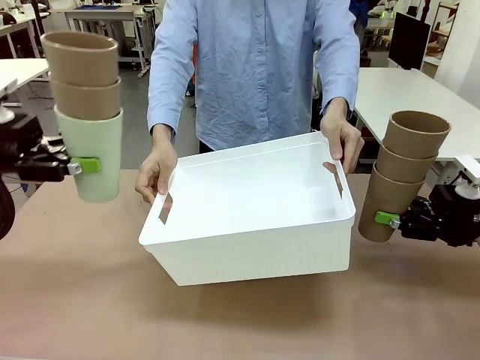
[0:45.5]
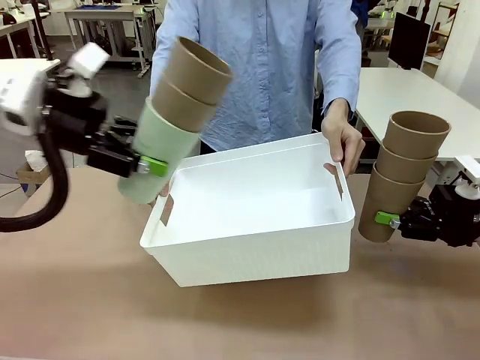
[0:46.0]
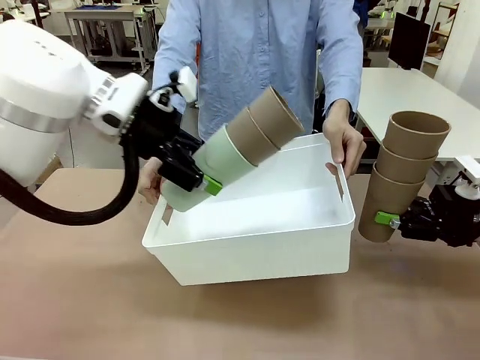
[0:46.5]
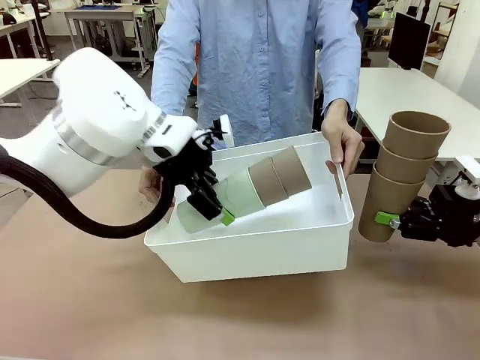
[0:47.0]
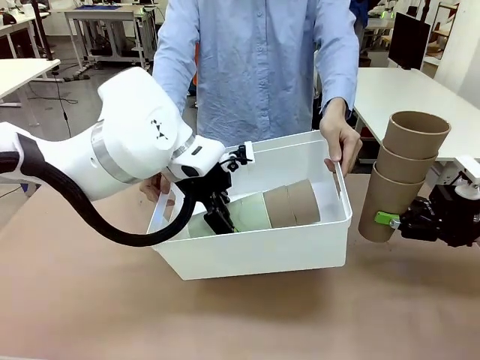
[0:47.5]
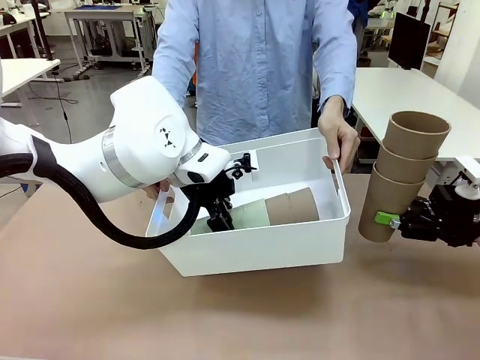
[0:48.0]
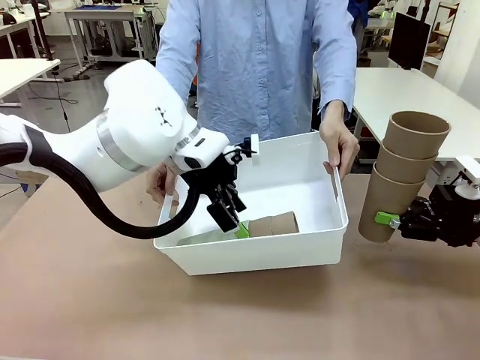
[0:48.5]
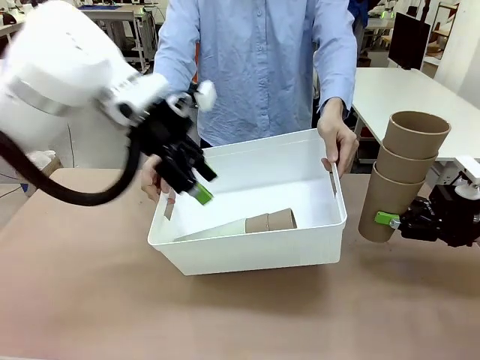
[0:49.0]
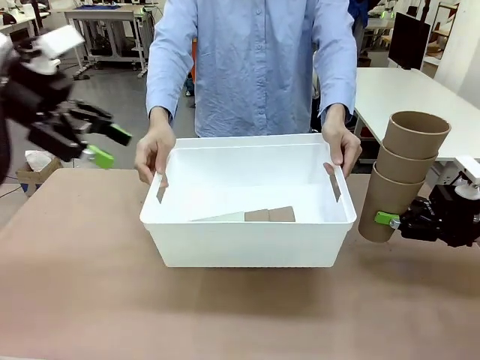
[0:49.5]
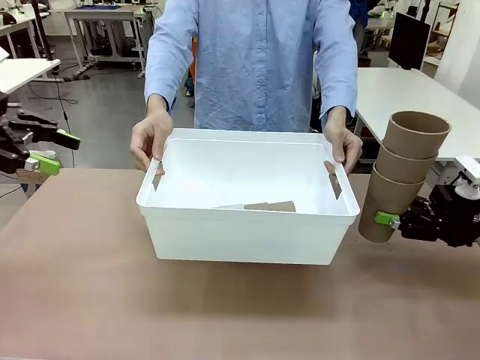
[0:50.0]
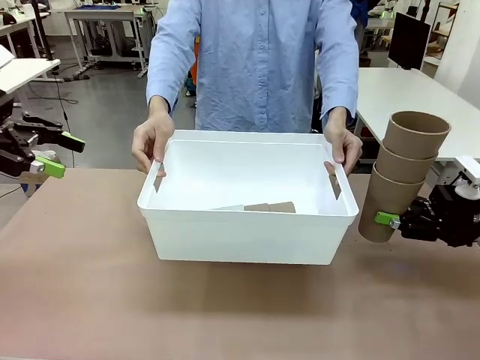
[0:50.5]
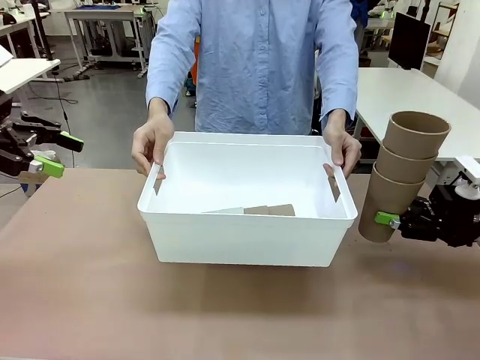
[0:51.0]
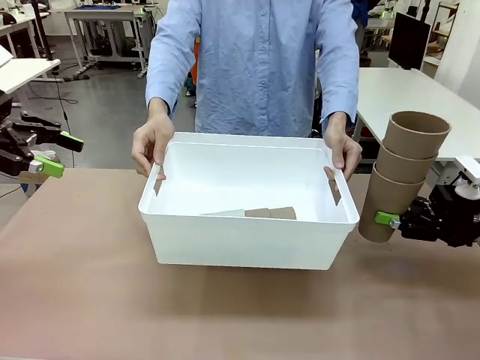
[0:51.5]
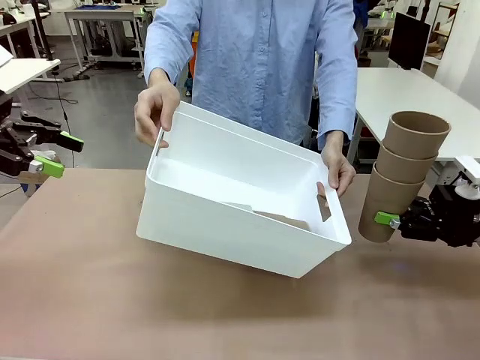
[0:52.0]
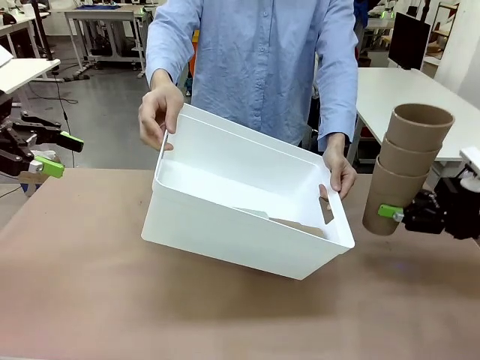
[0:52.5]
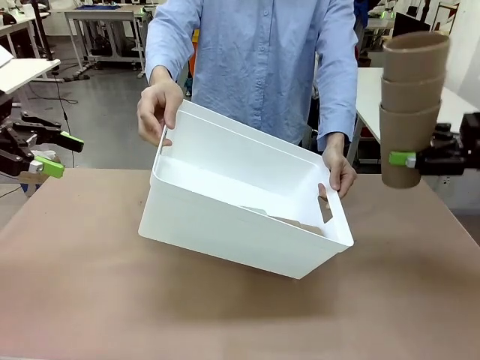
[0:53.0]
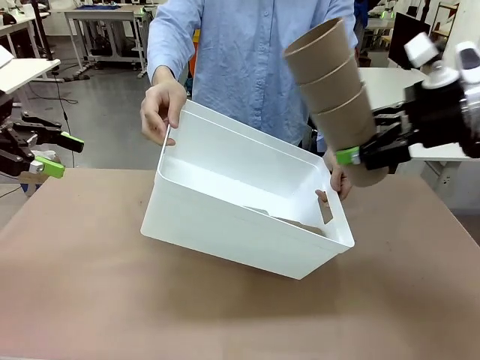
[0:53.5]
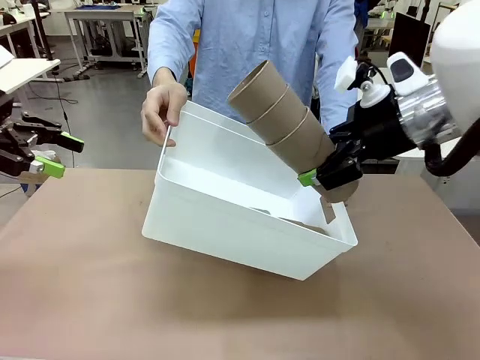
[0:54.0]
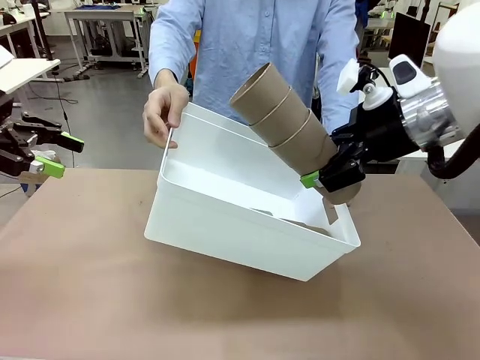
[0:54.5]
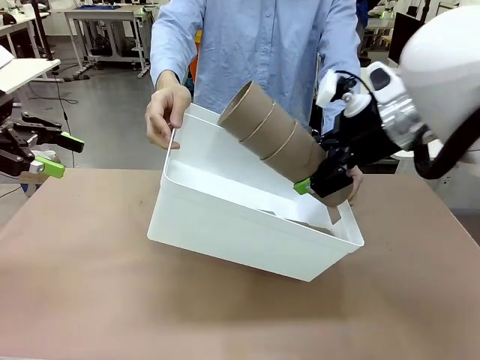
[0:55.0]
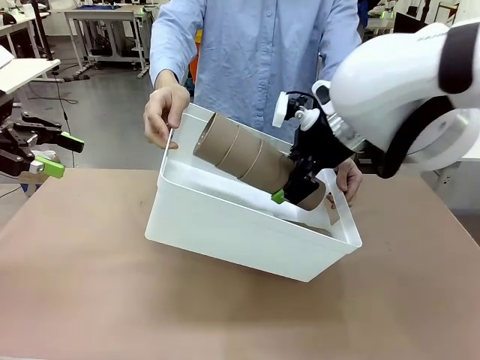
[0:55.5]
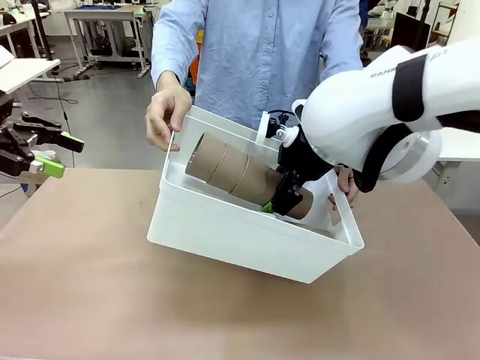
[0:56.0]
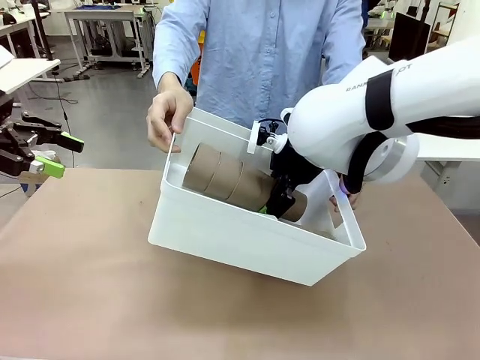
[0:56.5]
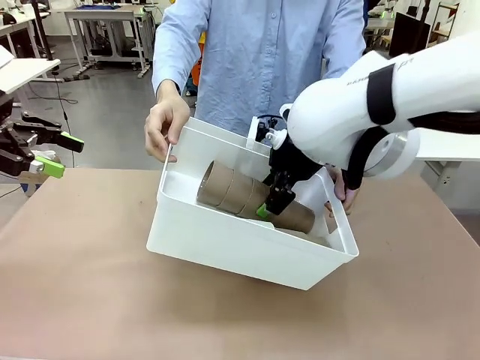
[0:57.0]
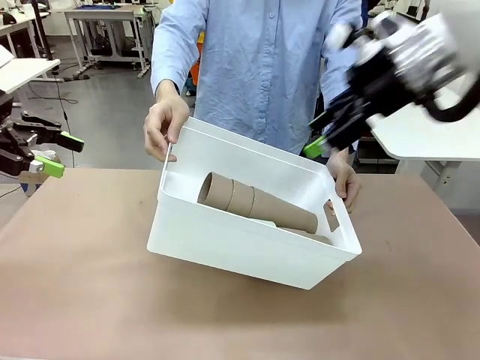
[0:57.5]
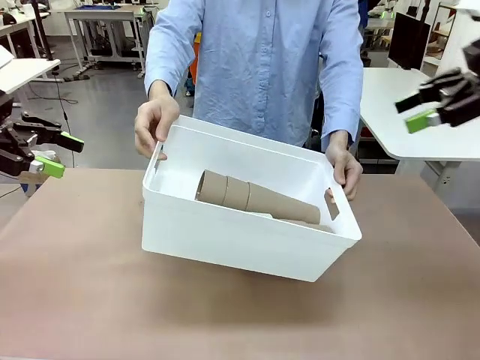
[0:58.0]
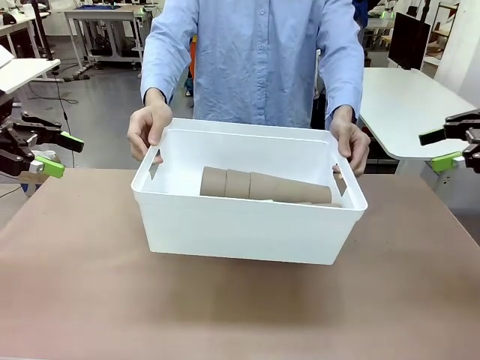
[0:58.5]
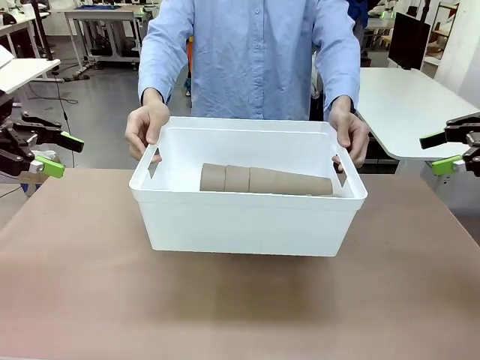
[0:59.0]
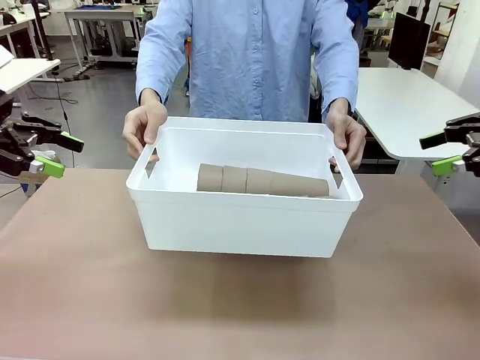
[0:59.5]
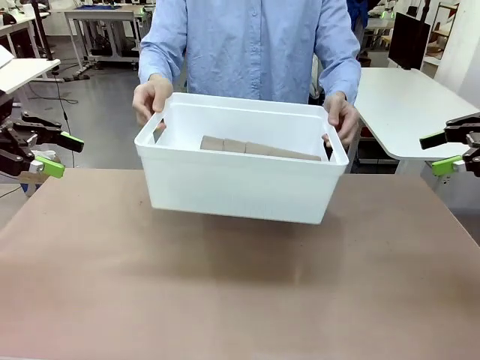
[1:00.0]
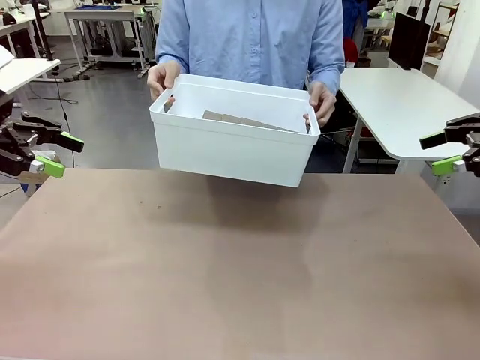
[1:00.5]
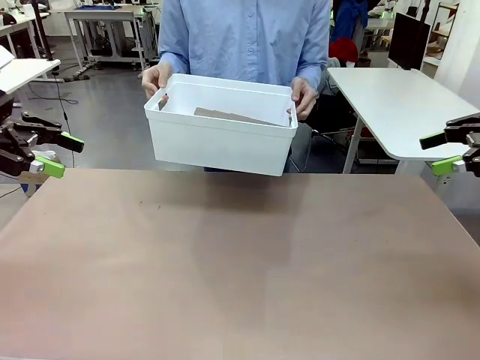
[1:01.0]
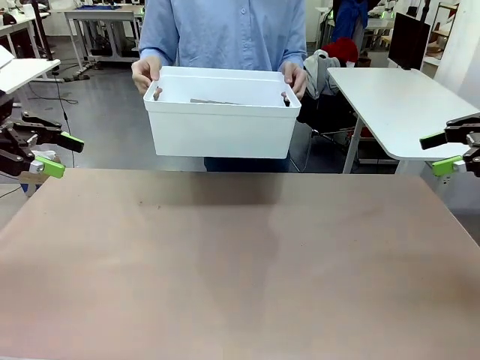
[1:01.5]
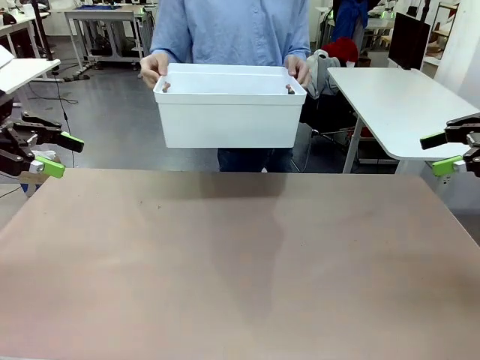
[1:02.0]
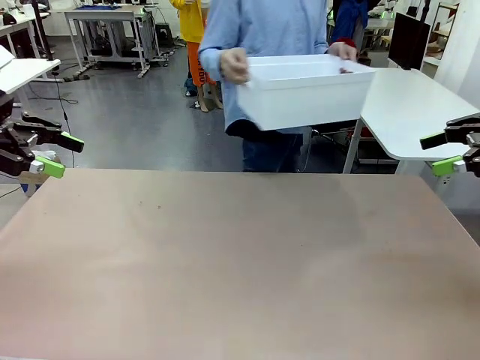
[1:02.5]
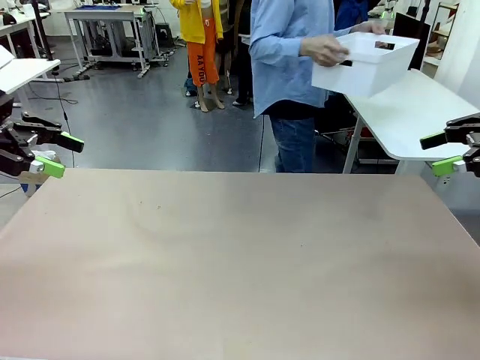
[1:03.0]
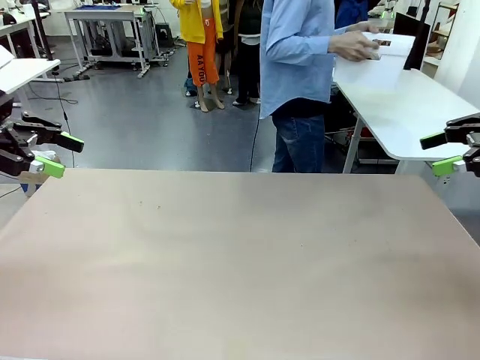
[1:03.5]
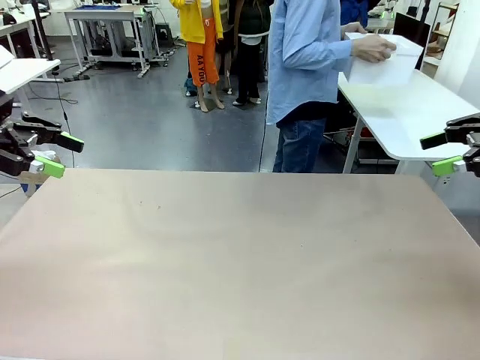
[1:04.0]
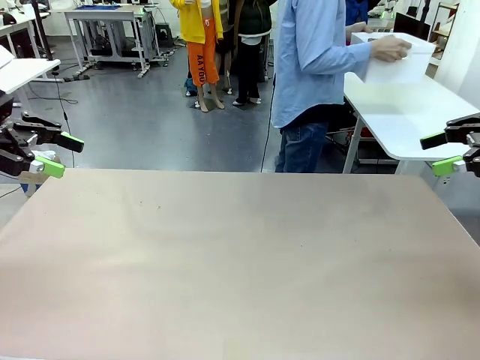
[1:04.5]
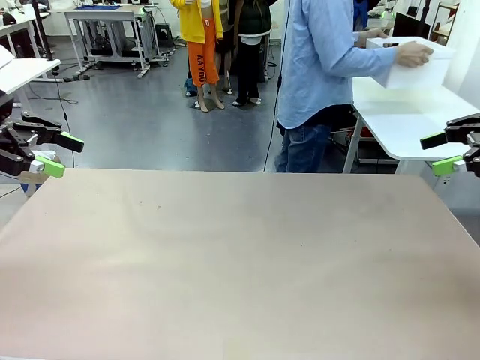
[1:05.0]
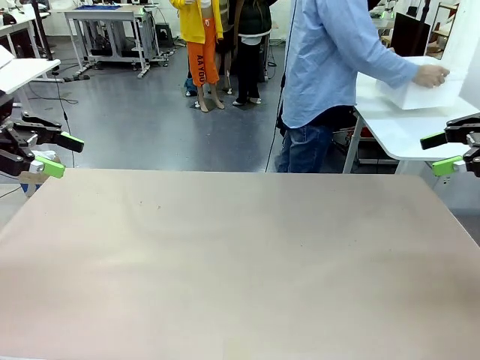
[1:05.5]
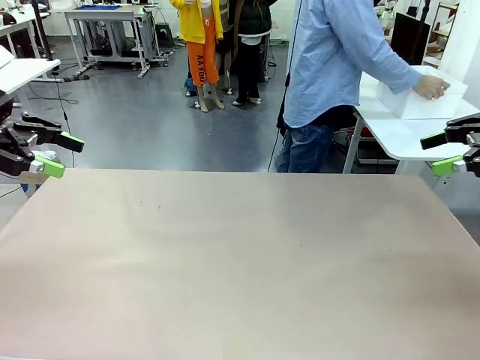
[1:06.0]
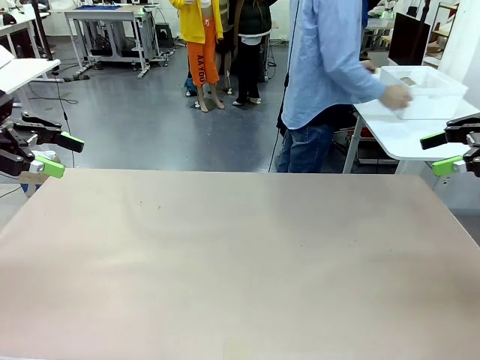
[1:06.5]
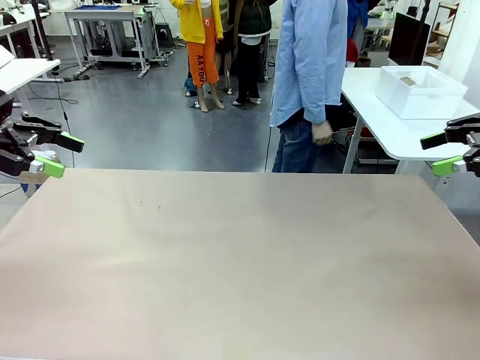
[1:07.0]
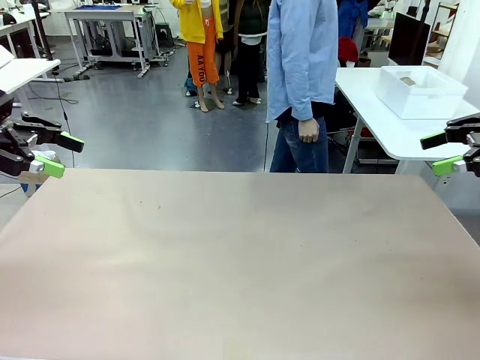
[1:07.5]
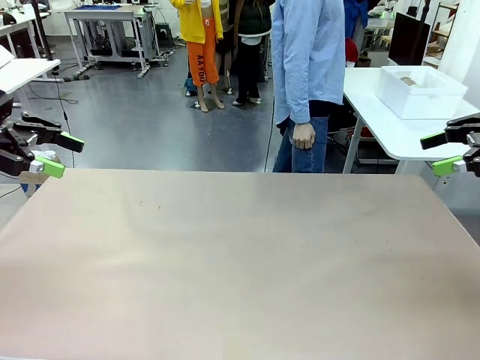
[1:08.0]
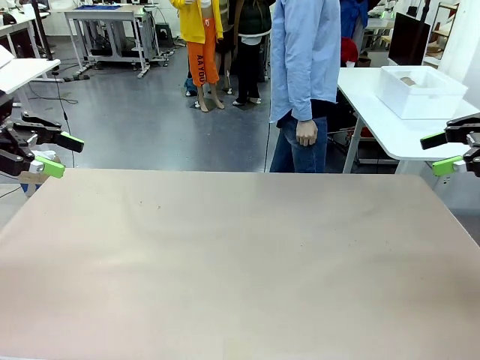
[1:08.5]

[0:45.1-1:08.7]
Task: Stack the cups and store them in the basket.
Robot: Place the stack of Reusable plastic cups into the Pantry Basket.
Person: Place the basket containing the cups in the middle of the Human Table.
